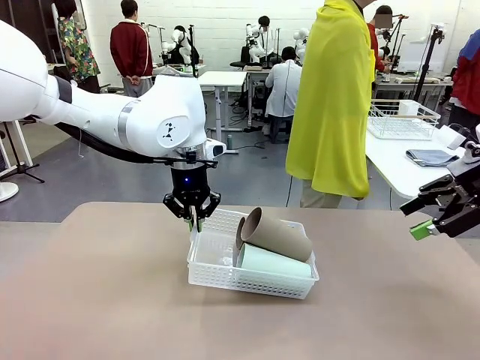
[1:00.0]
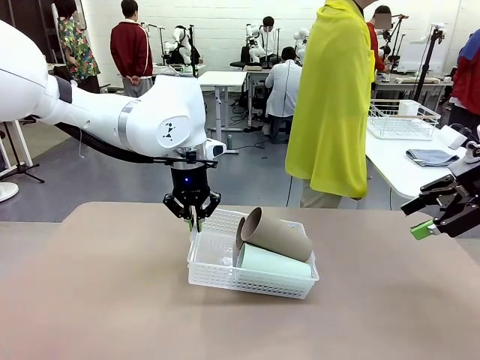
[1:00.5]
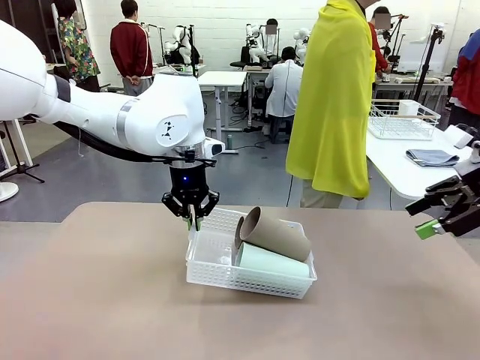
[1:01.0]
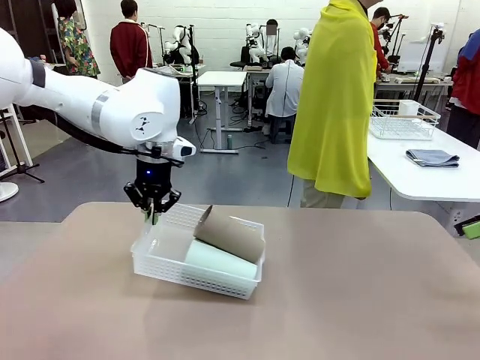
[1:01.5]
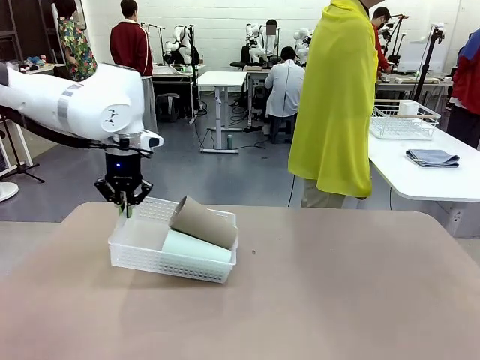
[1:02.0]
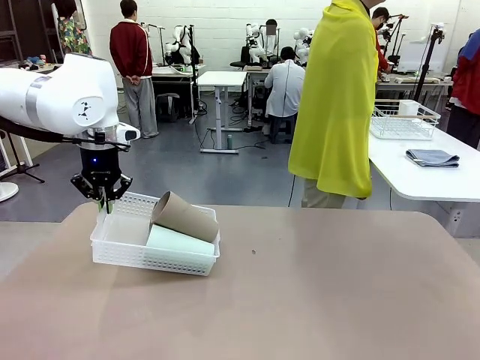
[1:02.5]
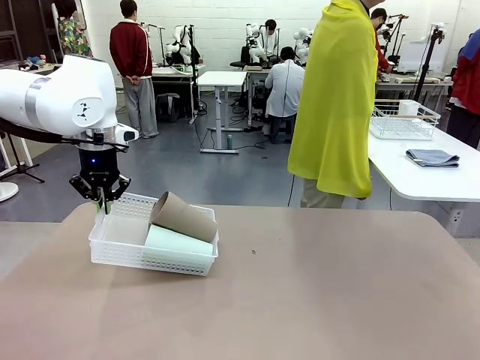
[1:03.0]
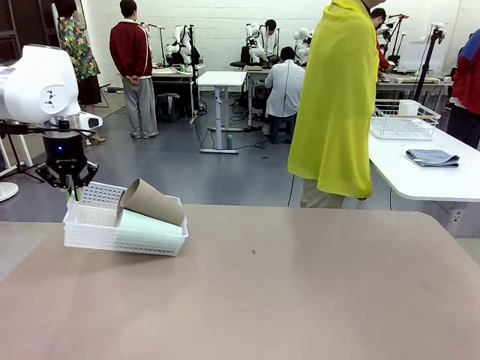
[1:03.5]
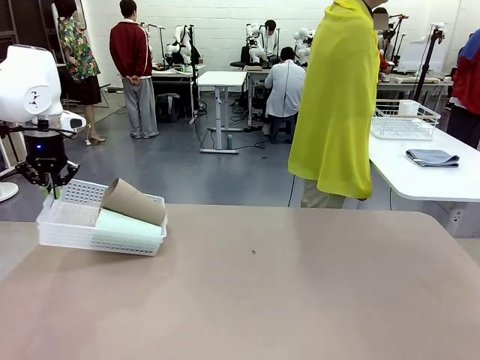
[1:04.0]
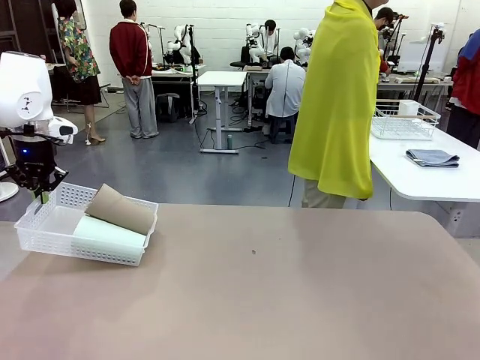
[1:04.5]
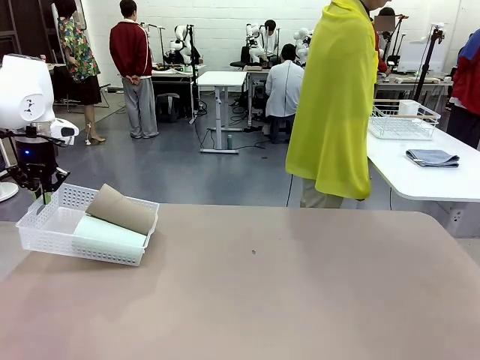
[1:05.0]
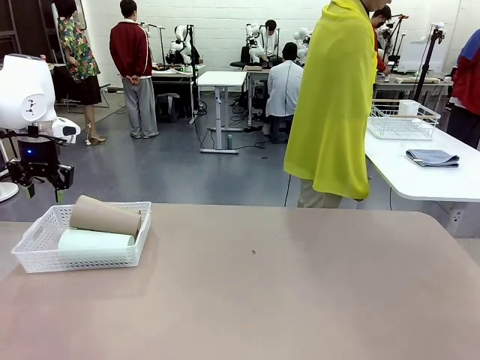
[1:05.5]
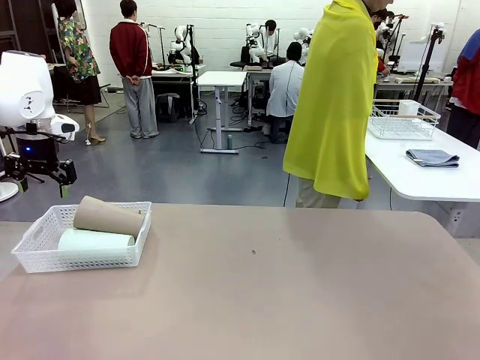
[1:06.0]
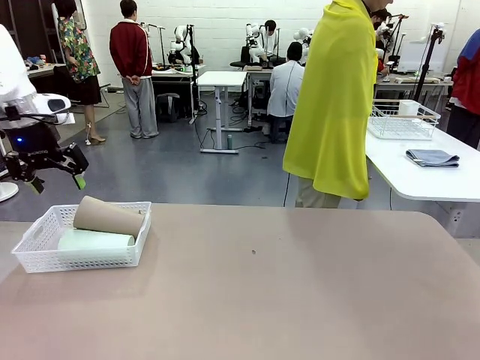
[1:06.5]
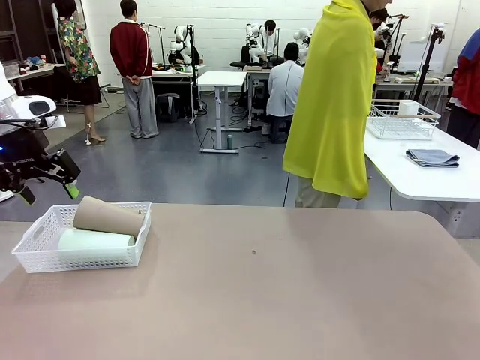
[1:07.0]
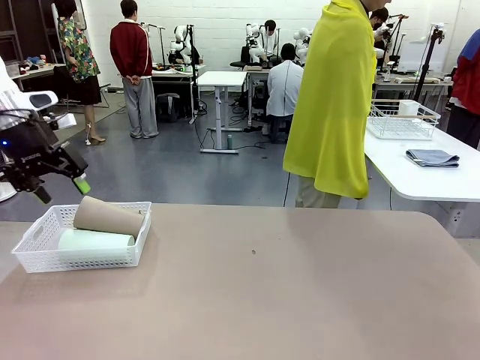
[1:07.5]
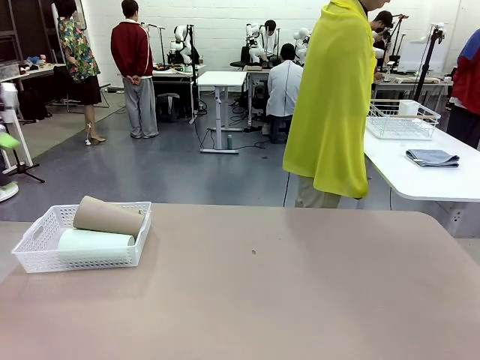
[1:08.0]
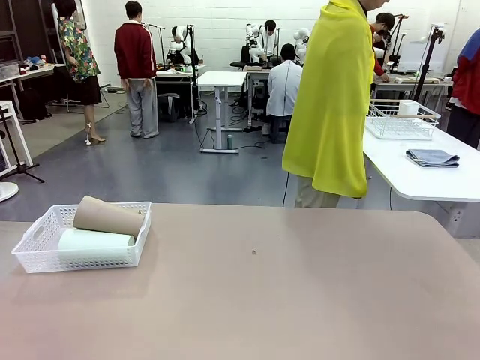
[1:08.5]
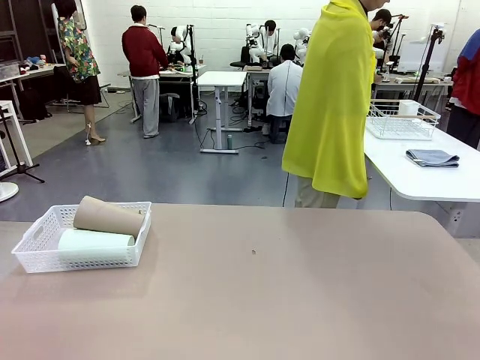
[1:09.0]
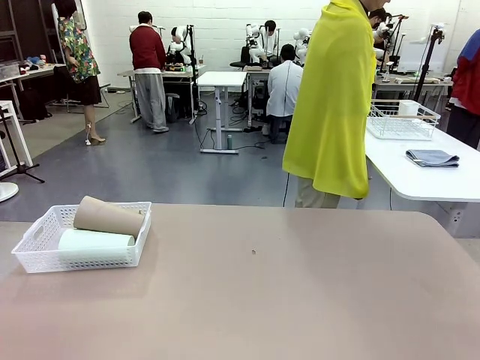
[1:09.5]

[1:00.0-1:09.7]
Task: Clean and organize the cups into the basket.
Robot: Move the Organizing basket back to the left side of the table.

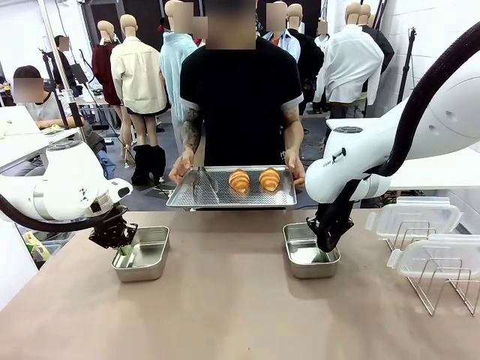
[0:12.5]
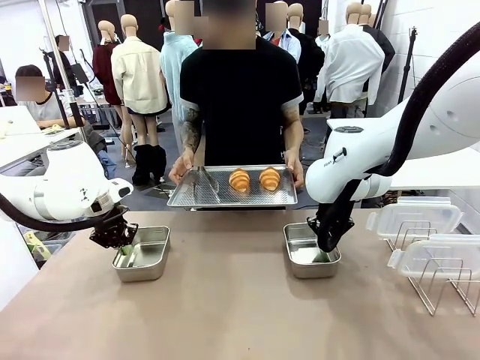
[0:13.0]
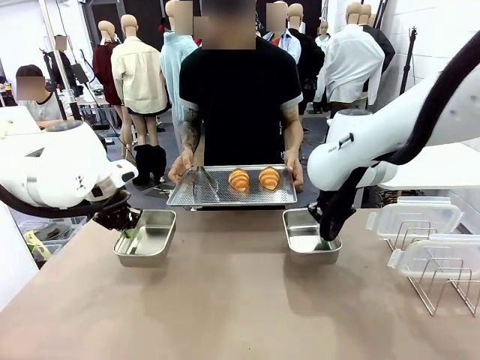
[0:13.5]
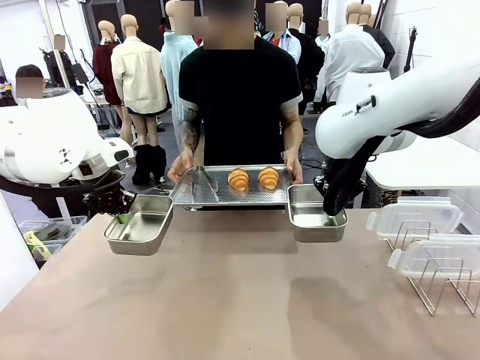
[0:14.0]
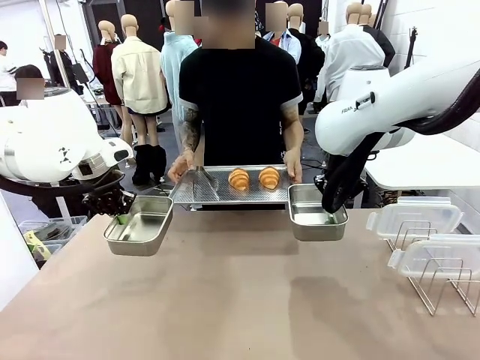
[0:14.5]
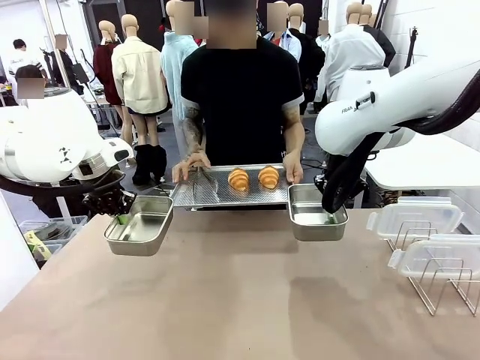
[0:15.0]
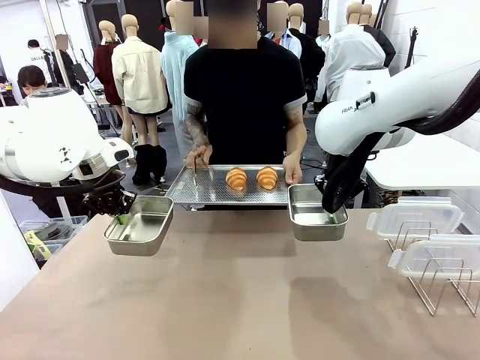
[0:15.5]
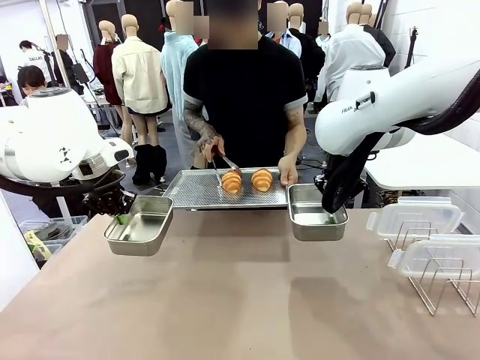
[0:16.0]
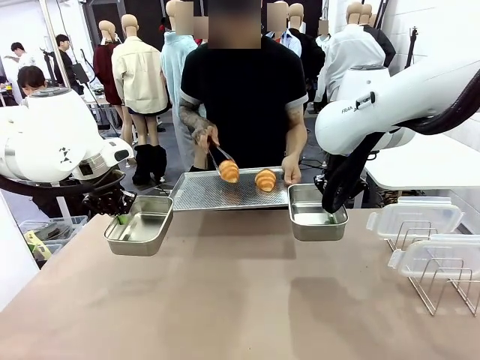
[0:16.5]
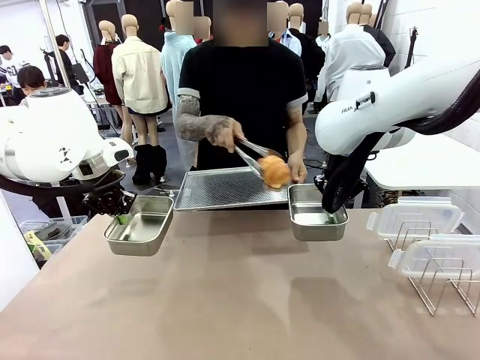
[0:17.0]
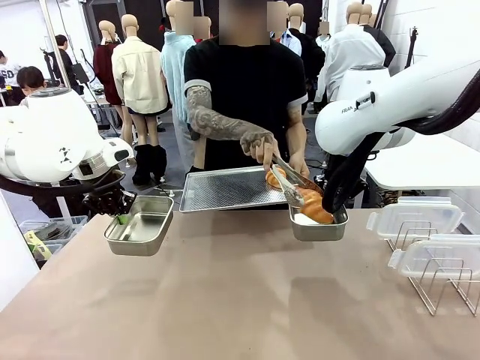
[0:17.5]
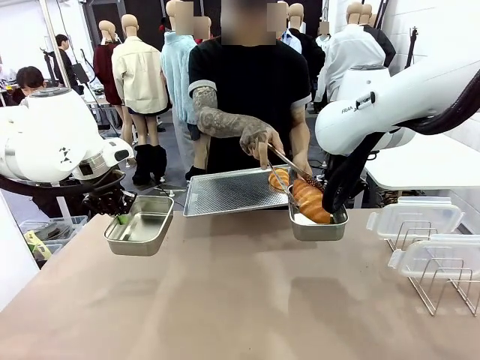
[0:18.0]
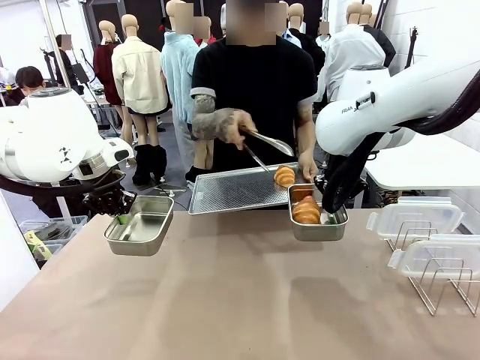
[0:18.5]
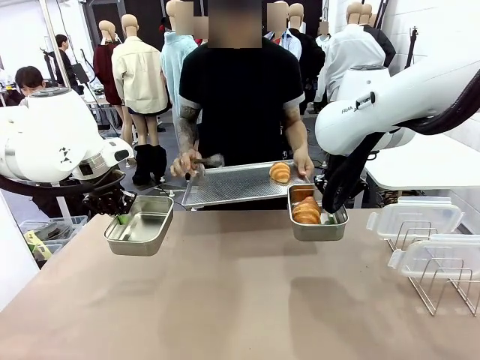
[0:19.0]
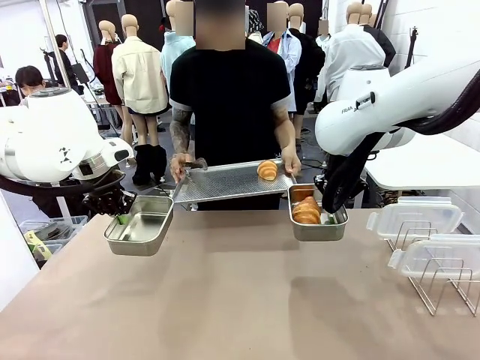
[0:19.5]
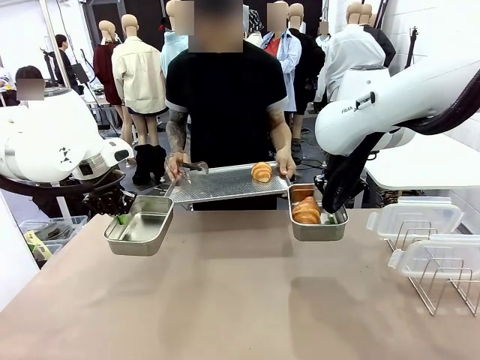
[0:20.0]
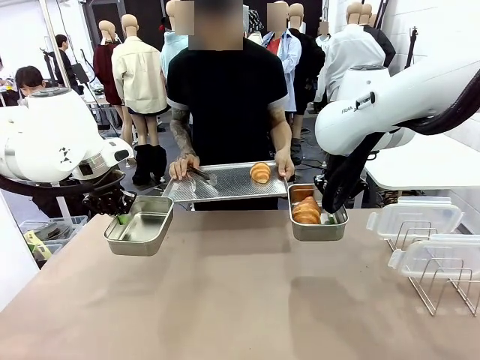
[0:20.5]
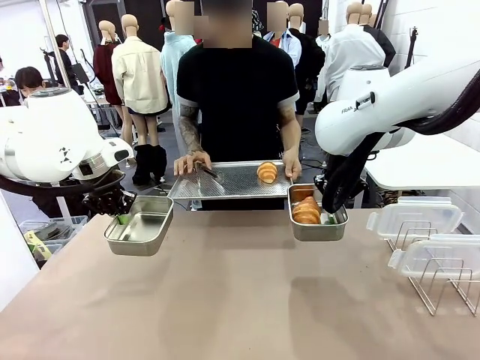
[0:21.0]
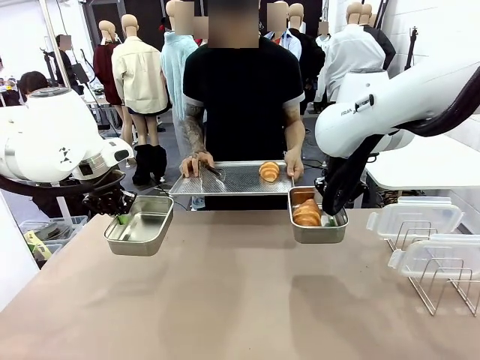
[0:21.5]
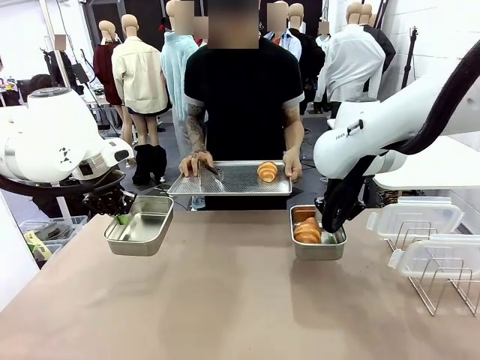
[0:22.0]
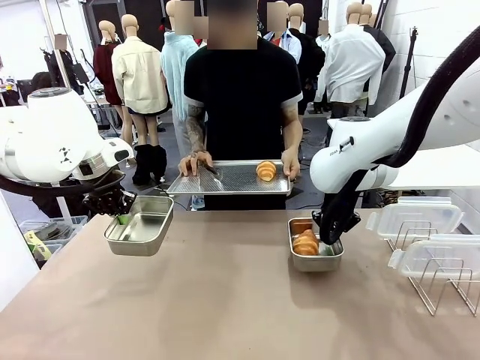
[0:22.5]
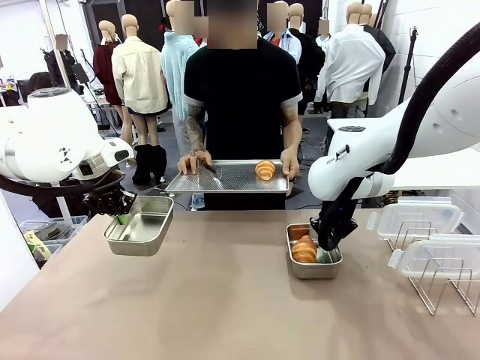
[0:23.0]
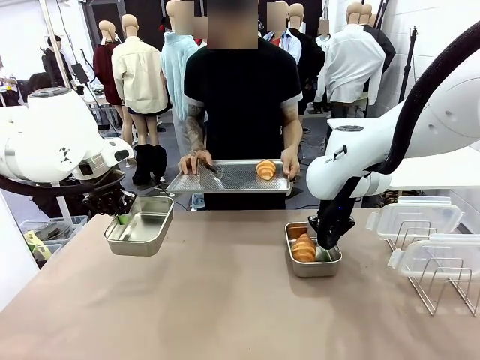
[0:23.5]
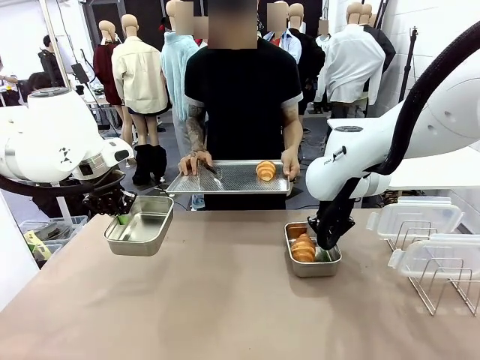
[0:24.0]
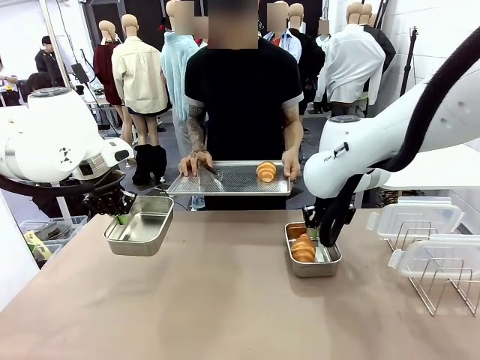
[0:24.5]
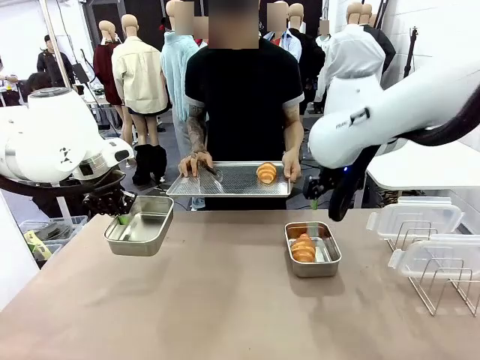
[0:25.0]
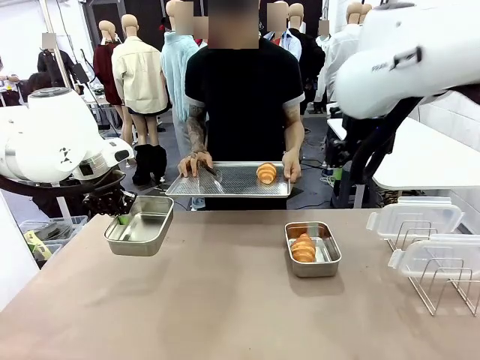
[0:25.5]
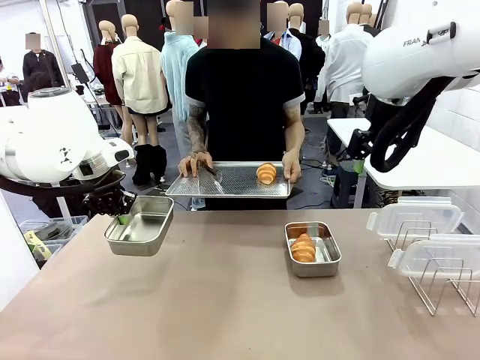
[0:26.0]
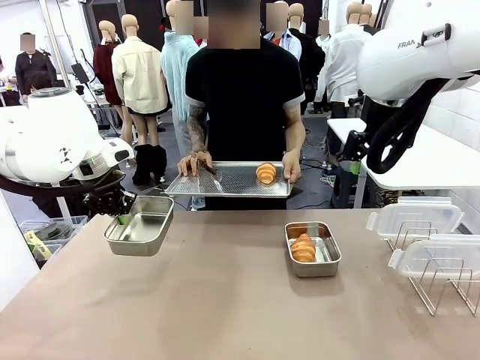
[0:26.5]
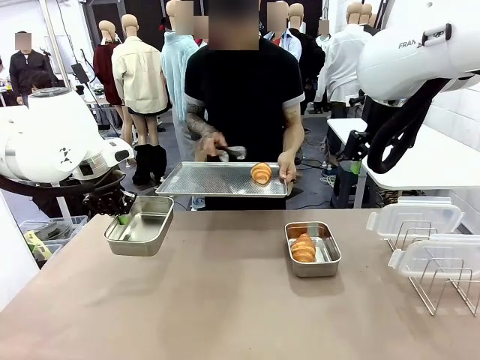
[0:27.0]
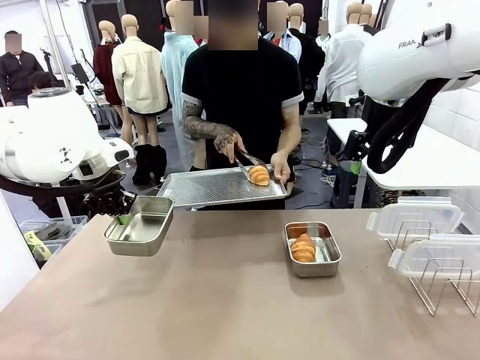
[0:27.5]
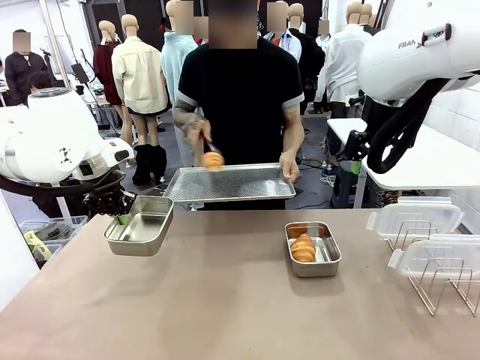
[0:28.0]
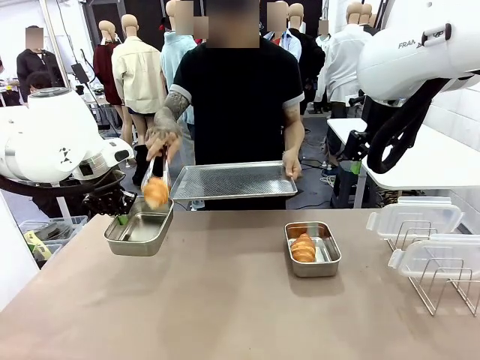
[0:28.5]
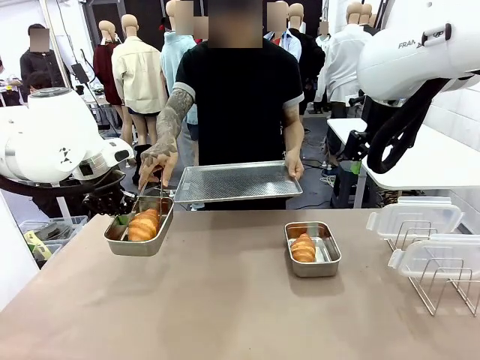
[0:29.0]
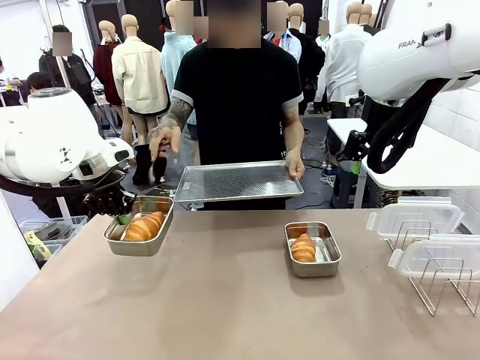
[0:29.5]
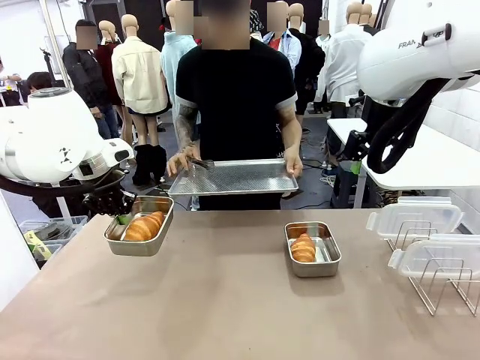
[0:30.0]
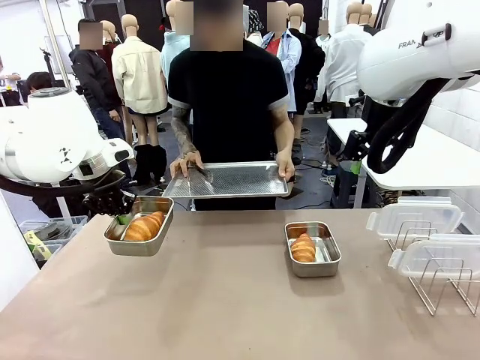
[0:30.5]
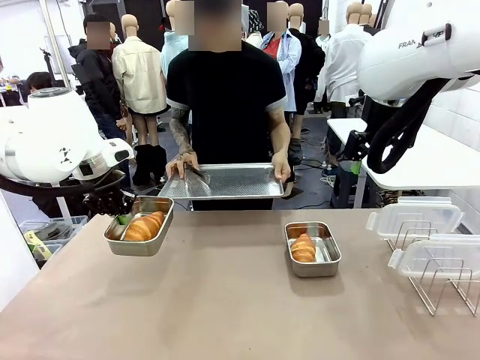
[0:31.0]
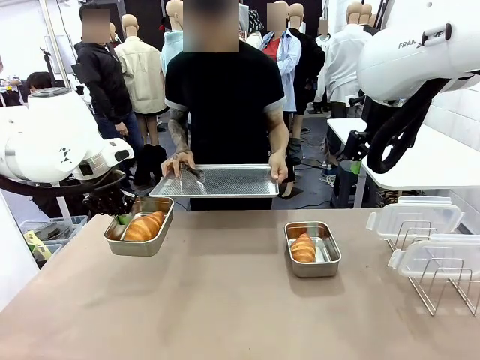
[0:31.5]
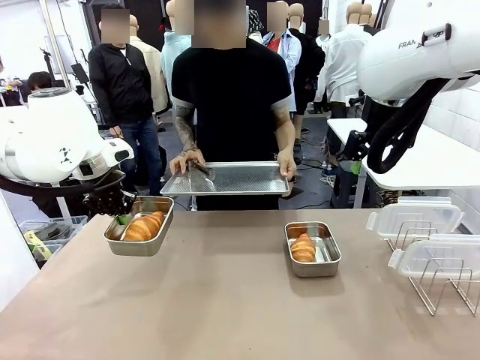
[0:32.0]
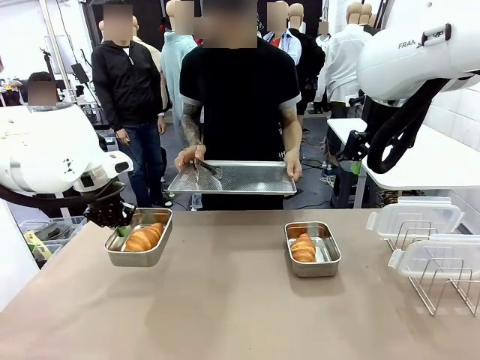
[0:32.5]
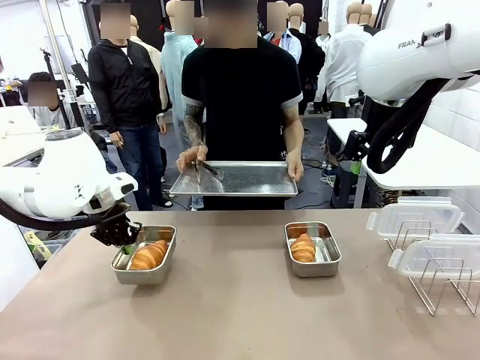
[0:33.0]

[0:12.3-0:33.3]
Task: Place the bread in airtight containers.
Robot: Once an object is inside an Airtight Container , place the container in the center of the table.
Person: Use the Stainless steel tongs to place one object from Baking Sheet into one Airtight Container.
